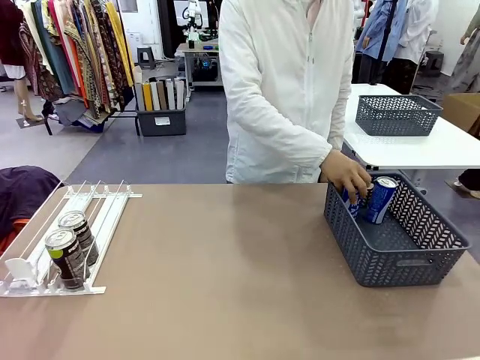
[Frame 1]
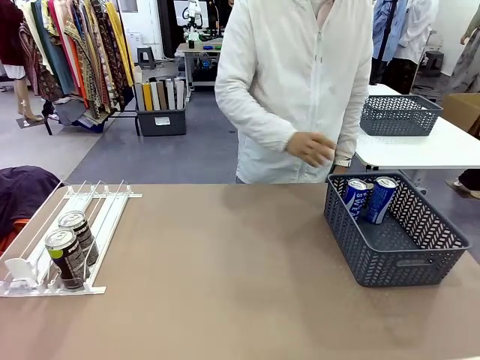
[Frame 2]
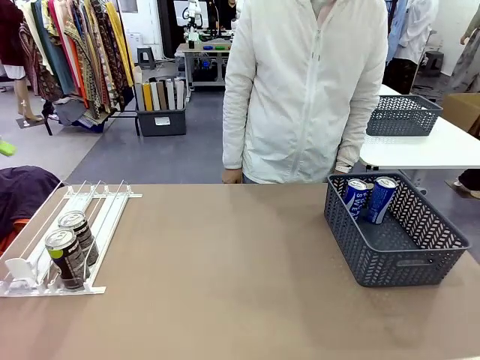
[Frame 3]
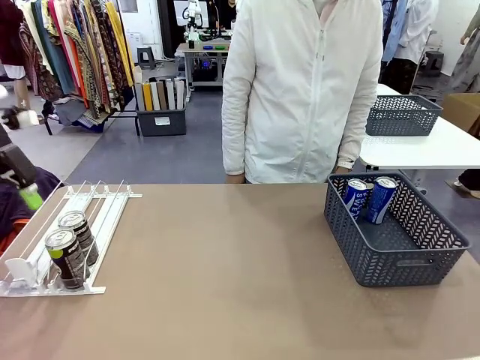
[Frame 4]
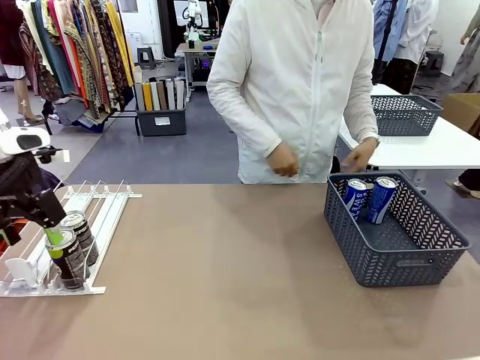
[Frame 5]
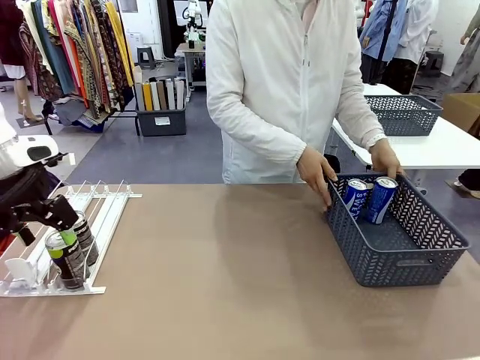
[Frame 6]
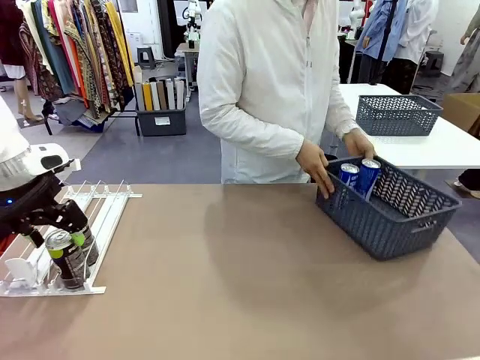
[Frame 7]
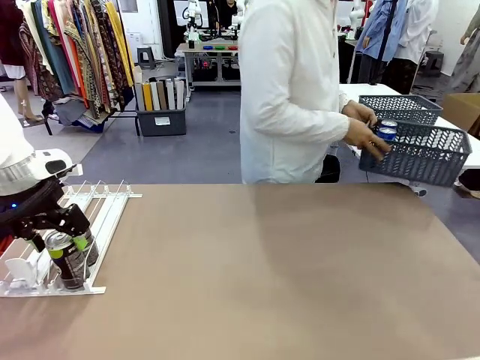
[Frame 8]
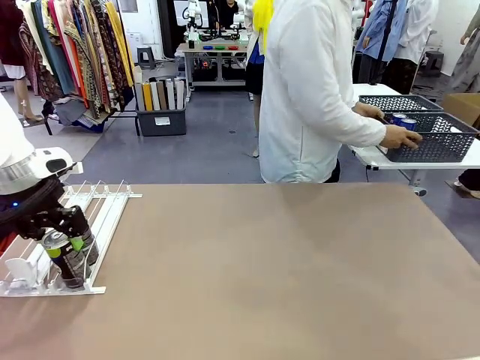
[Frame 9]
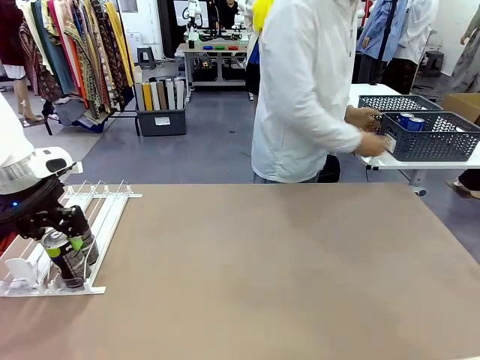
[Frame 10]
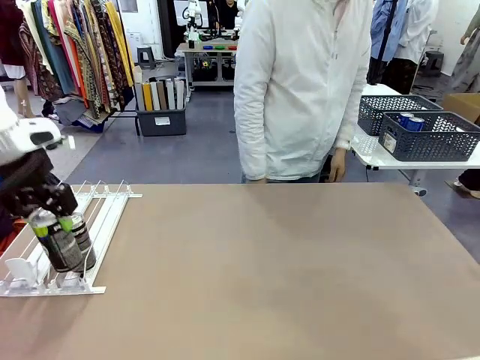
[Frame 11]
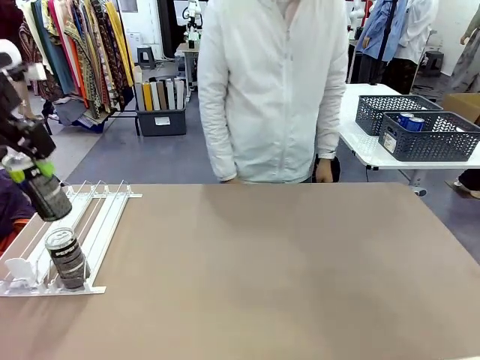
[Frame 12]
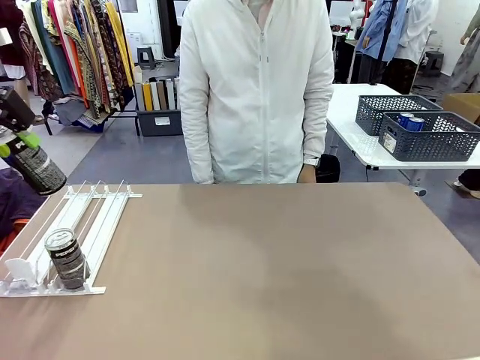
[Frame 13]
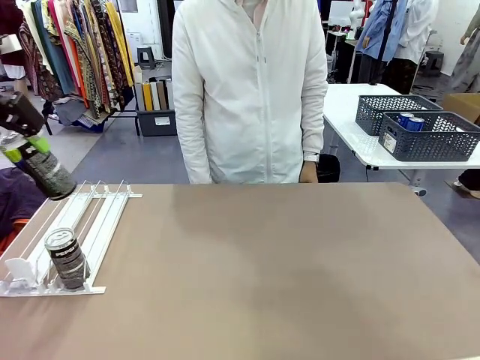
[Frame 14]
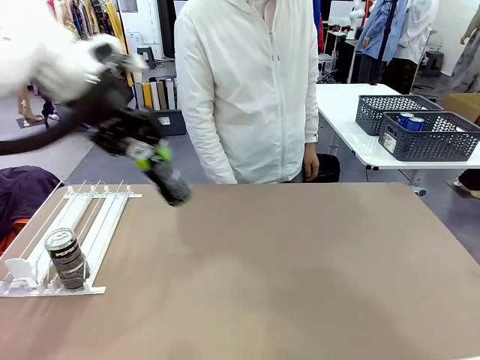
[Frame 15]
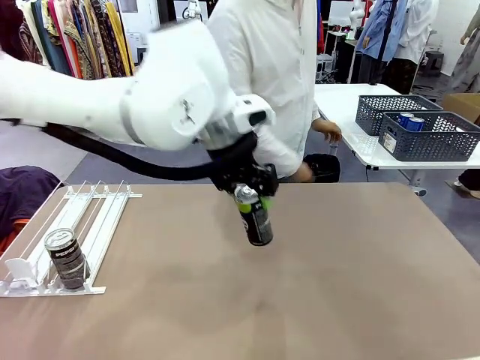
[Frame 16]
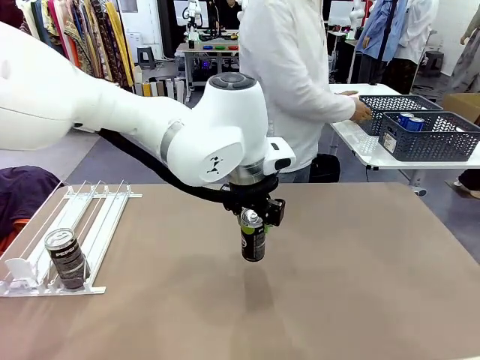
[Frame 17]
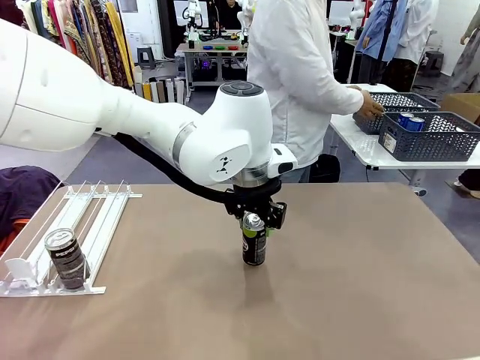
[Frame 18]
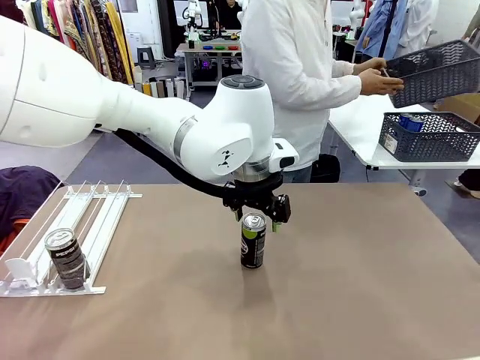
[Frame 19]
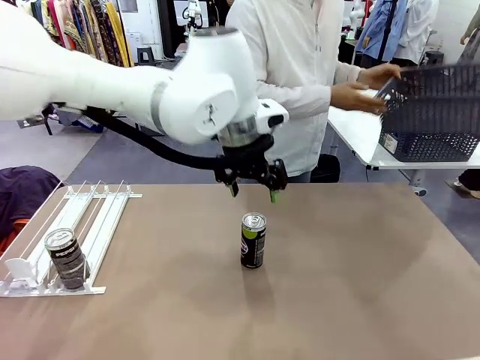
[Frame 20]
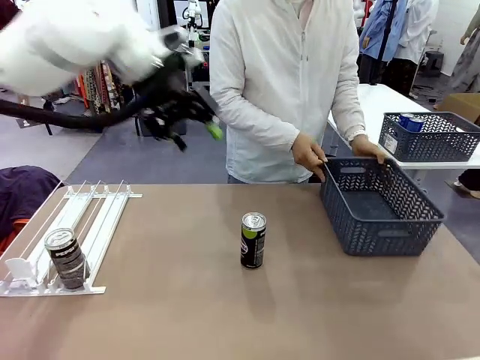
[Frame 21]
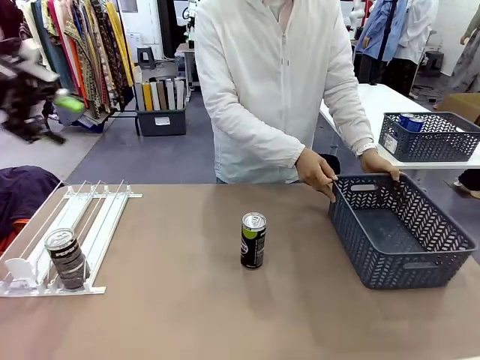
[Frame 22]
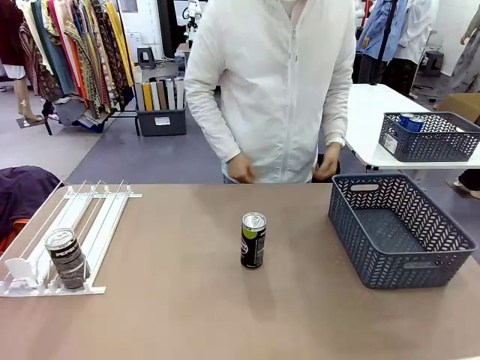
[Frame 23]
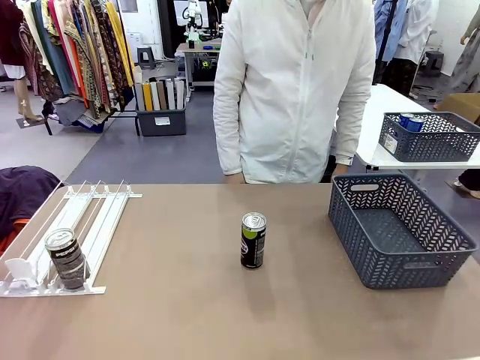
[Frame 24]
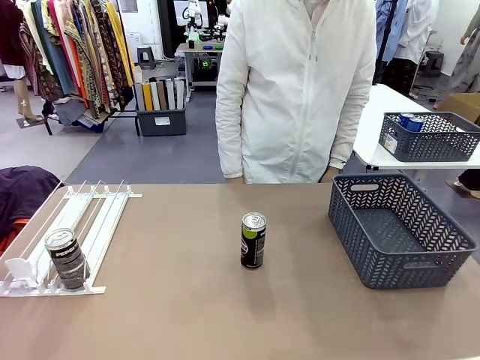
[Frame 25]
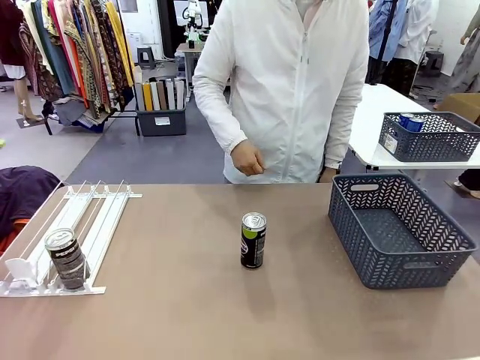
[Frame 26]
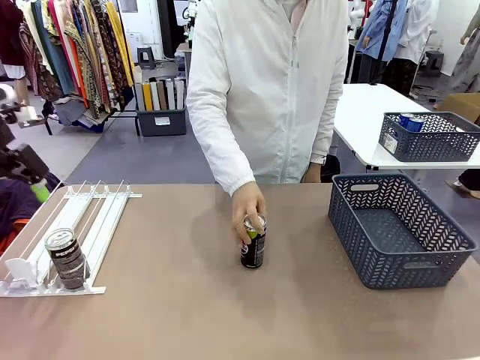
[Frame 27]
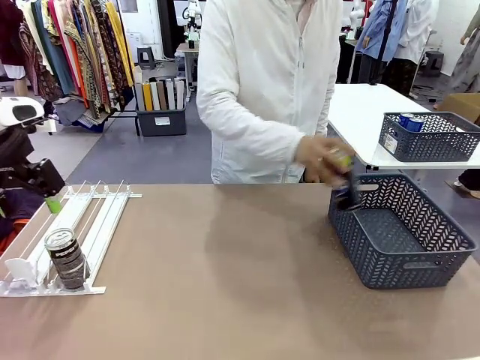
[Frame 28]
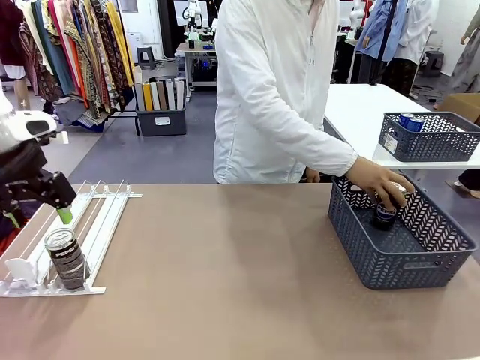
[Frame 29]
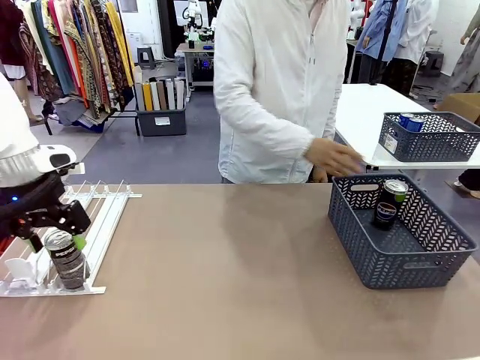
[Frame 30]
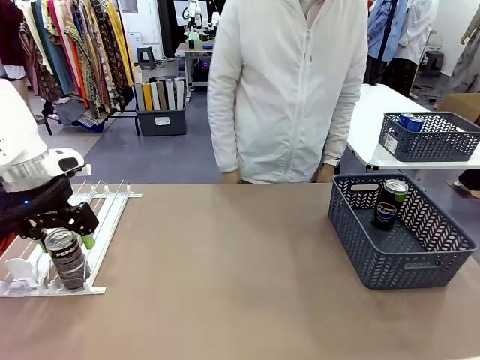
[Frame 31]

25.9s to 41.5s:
Task: Retrieve and store the cans from the dispenser.
Robot: Pick up one can from the Automatic Can Dispenser and place it in the middle of the table.
Person: Pick up the basket and place it in the middle of the human table. Pick up the empty basket and place it on the left side of the robot table.
